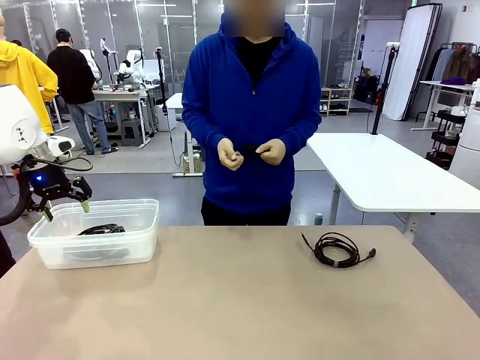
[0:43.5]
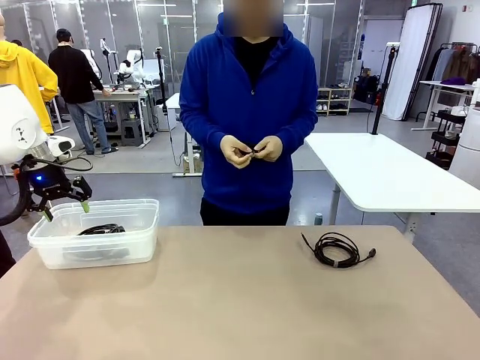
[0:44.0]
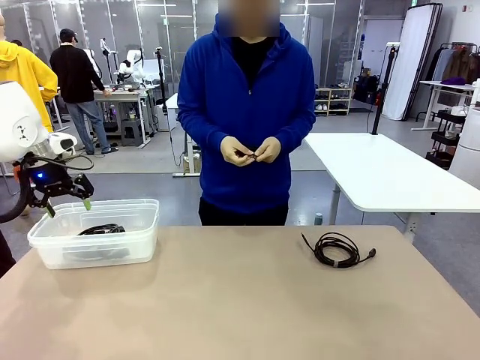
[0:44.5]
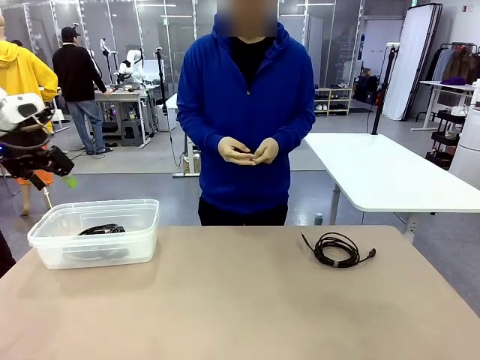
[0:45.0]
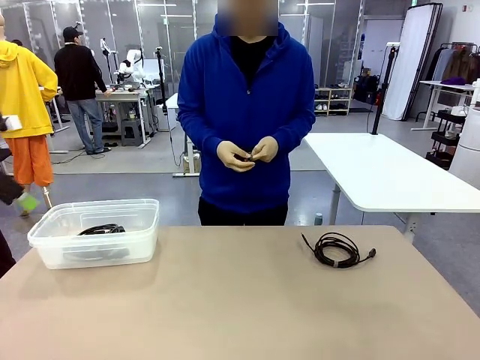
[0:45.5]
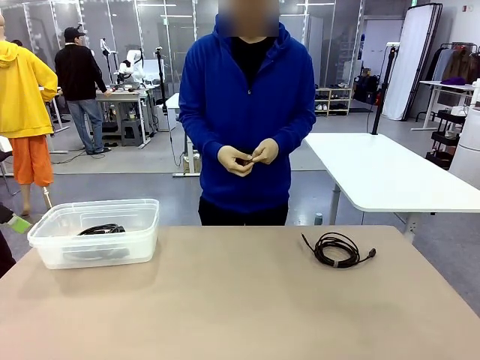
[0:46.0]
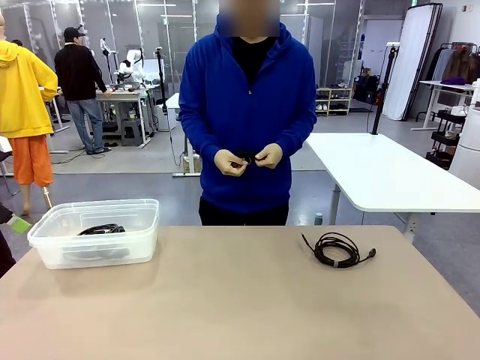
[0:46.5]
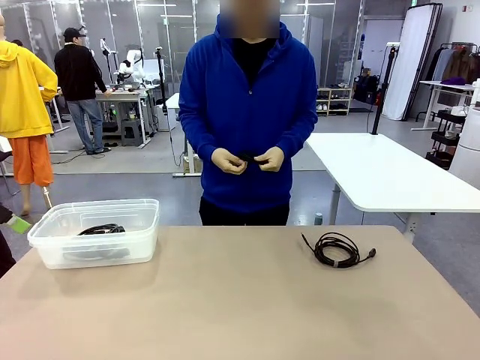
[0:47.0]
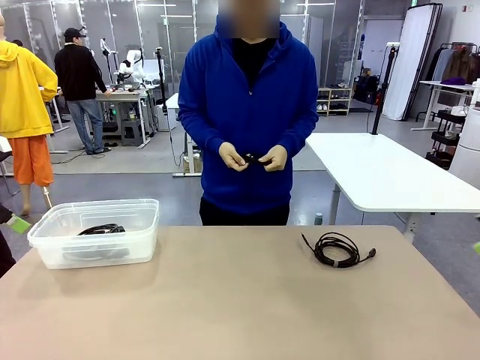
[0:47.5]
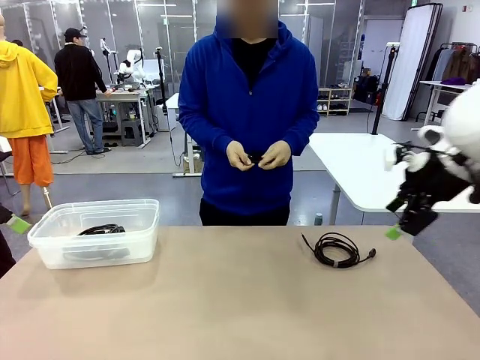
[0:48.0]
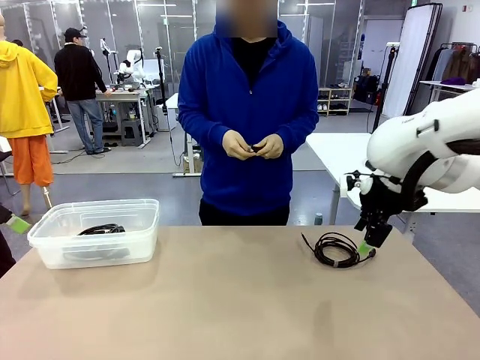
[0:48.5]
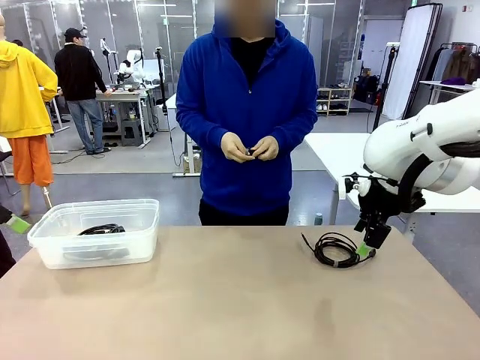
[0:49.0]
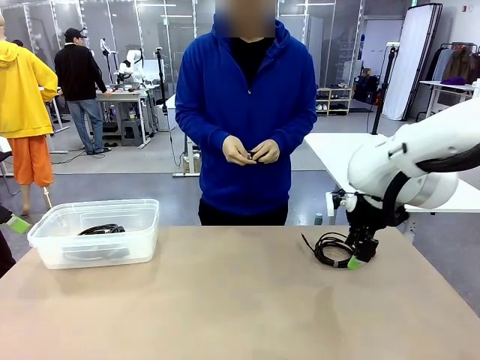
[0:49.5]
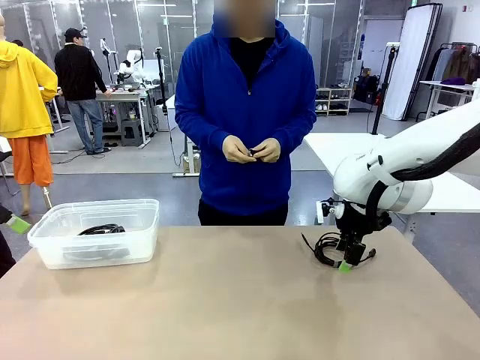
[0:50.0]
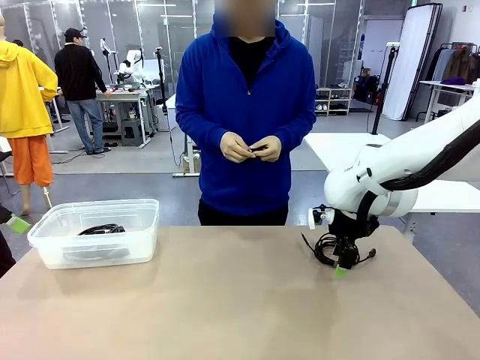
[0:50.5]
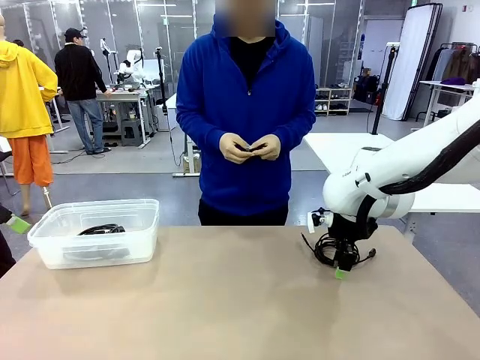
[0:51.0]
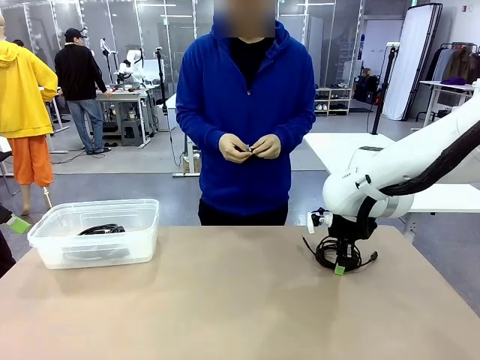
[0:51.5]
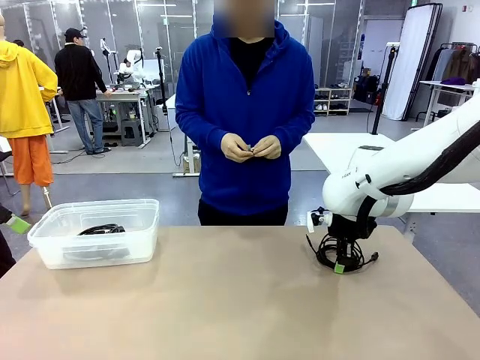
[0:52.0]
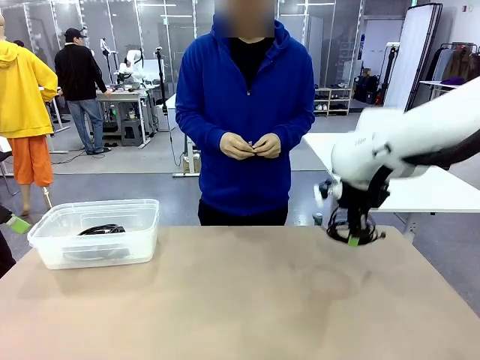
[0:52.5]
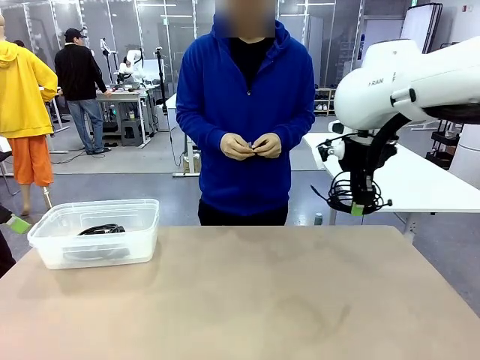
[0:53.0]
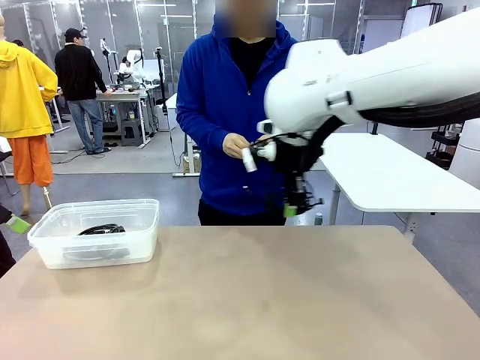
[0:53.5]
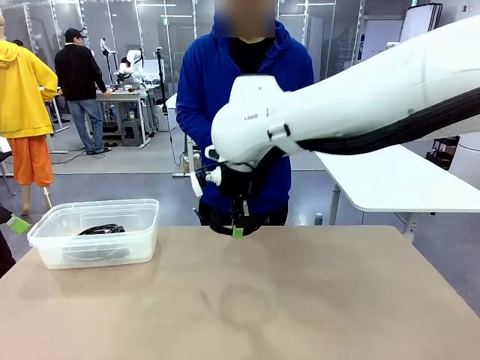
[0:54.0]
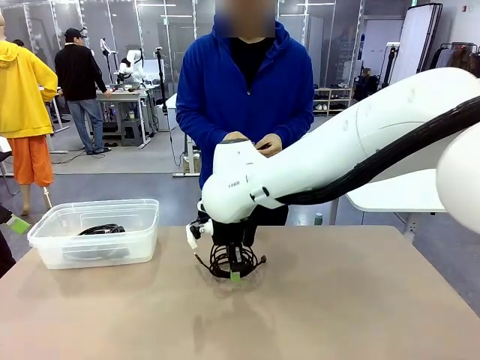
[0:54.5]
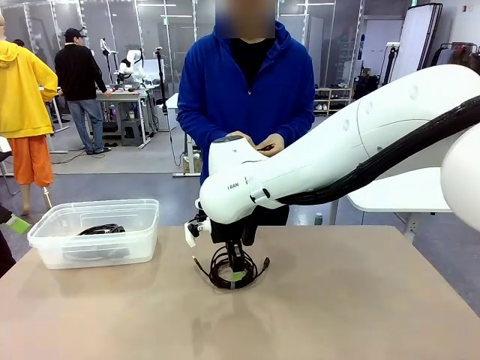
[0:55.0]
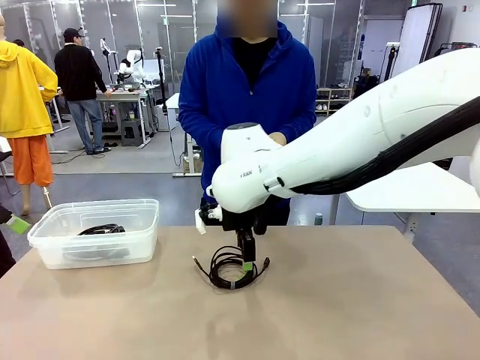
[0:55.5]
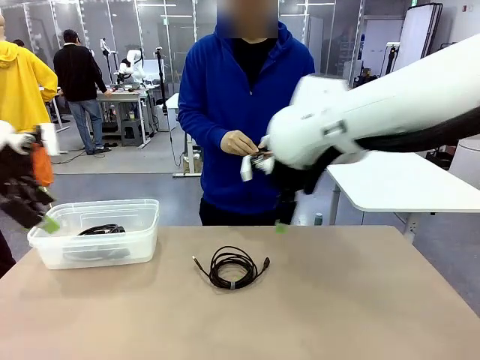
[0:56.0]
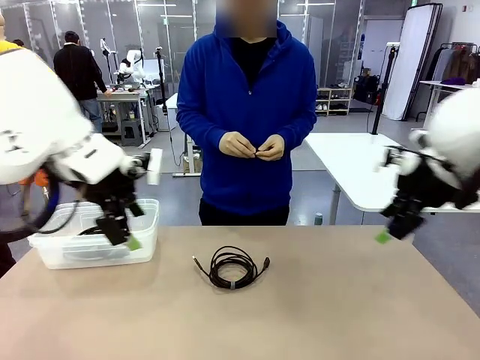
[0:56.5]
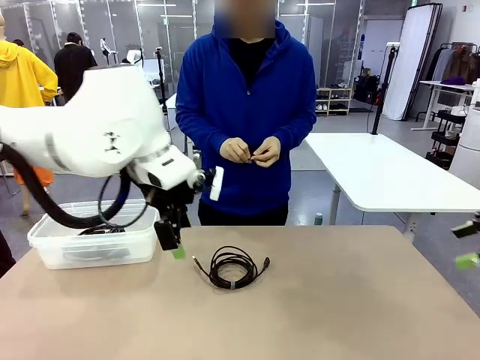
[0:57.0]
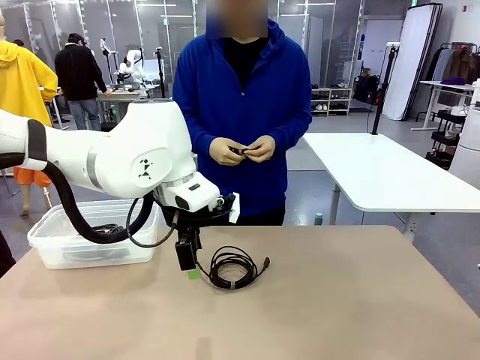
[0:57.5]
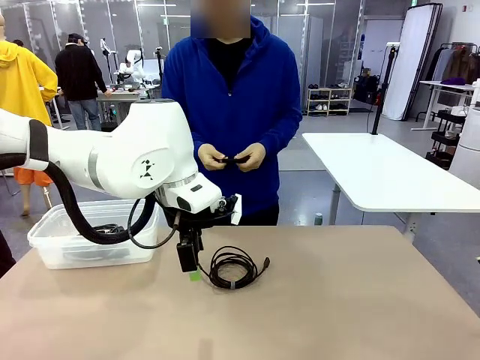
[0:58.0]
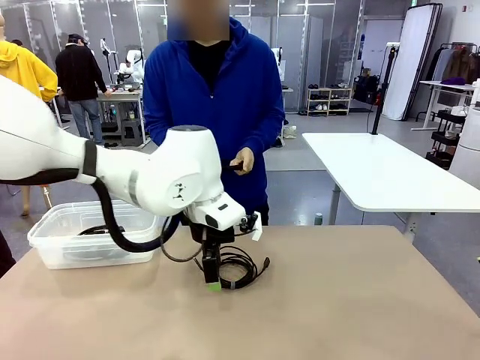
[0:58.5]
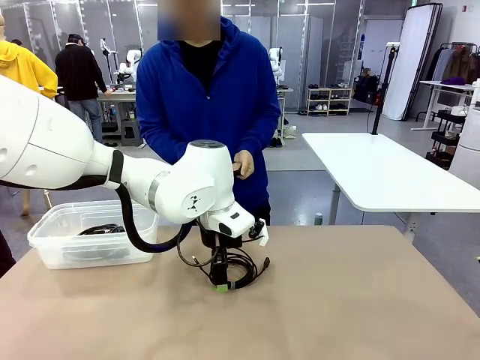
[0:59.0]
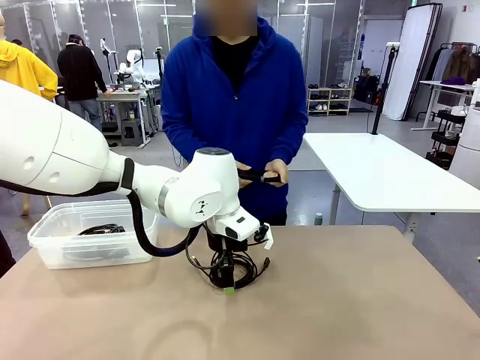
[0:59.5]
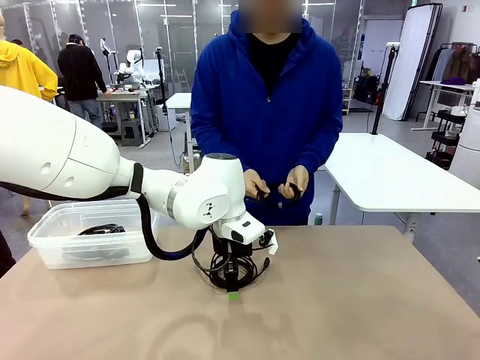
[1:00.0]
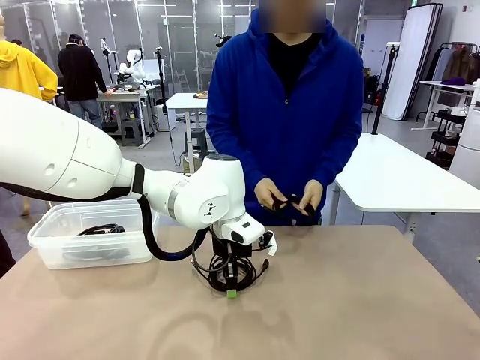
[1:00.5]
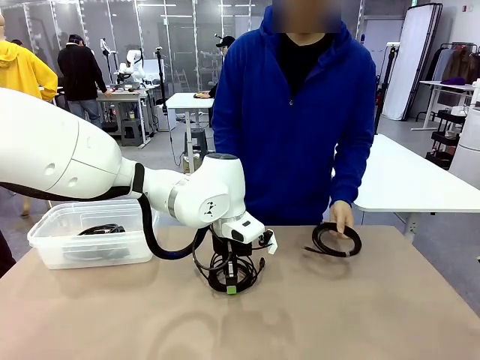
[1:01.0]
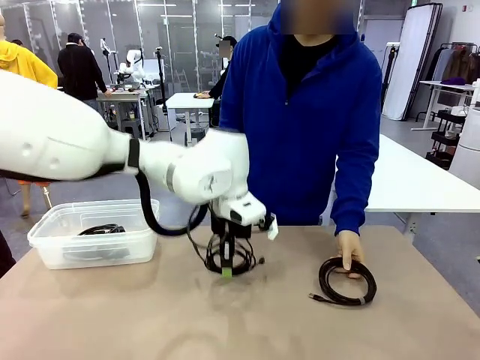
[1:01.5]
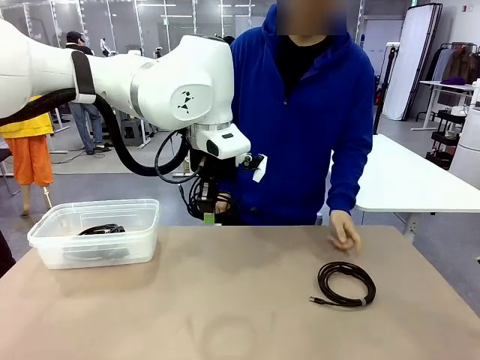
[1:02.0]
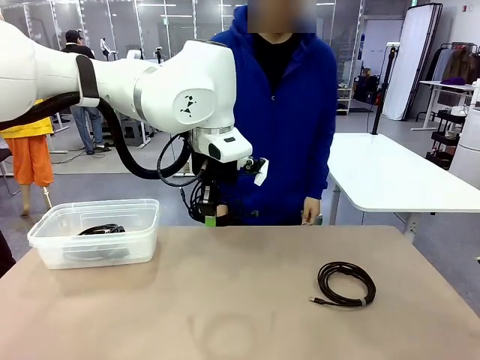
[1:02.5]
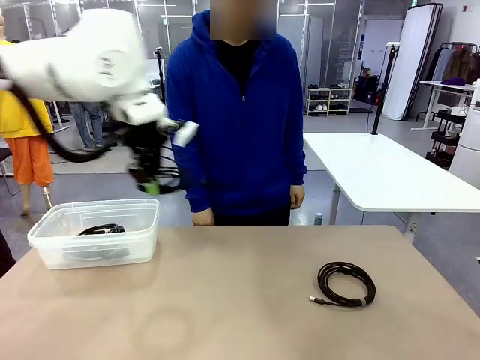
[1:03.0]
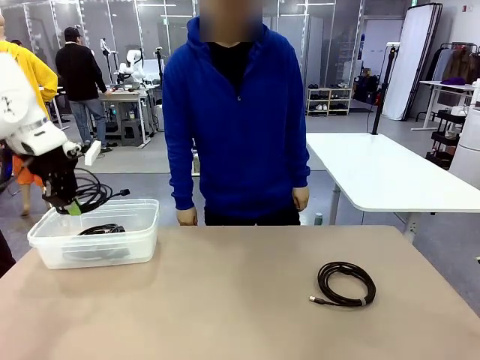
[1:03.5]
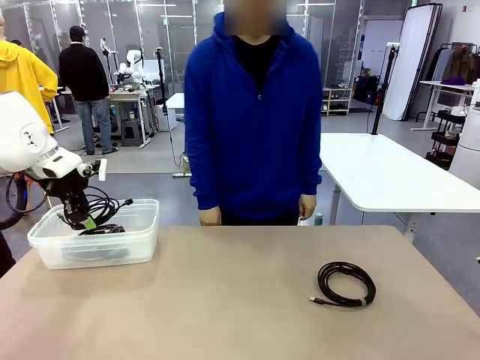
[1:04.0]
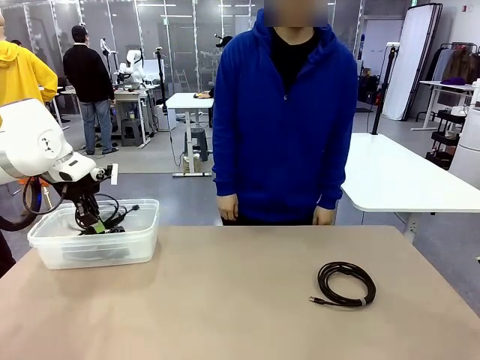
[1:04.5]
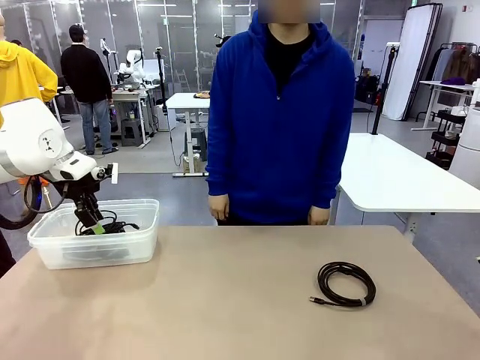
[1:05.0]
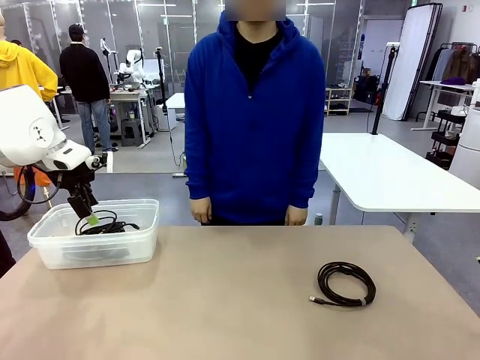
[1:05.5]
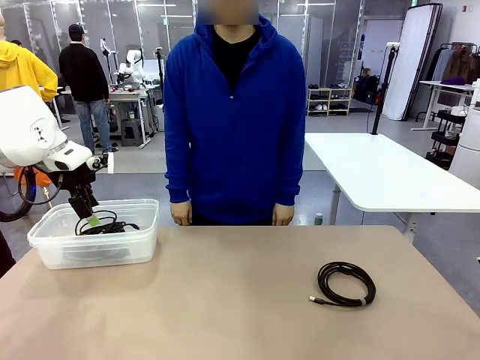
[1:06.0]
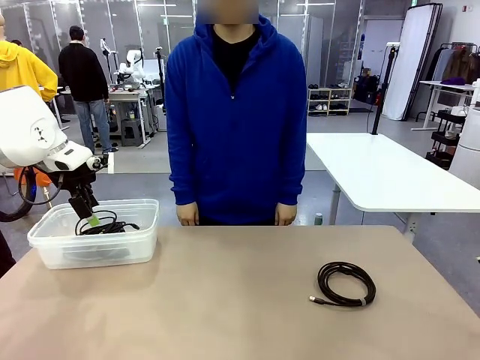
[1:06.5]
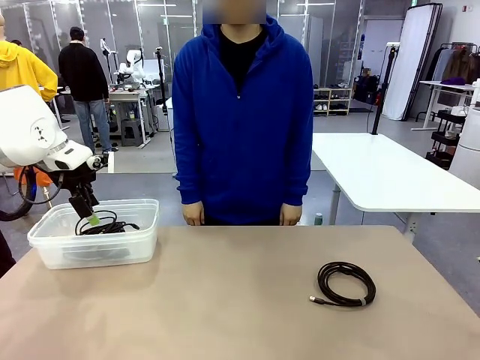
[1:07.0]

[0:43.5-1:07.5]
Task: Organize and store the cables.
Robot: Place the USB Extension Cable into the Organizing box.

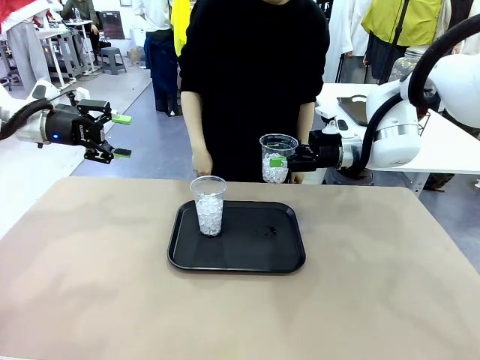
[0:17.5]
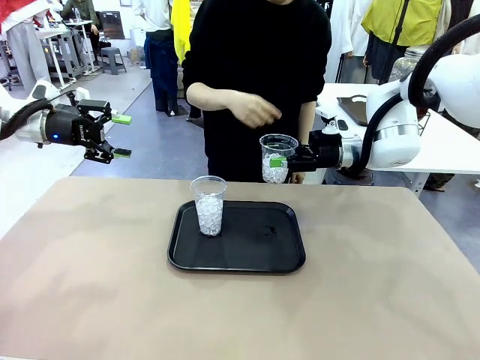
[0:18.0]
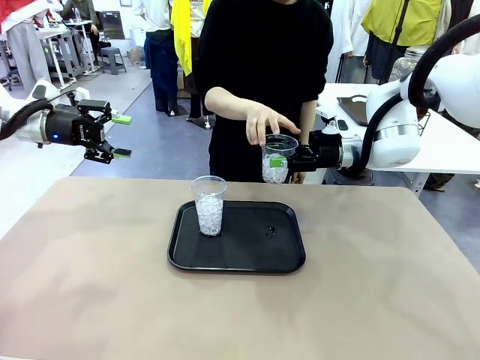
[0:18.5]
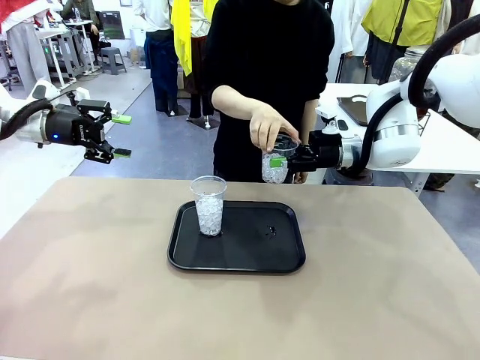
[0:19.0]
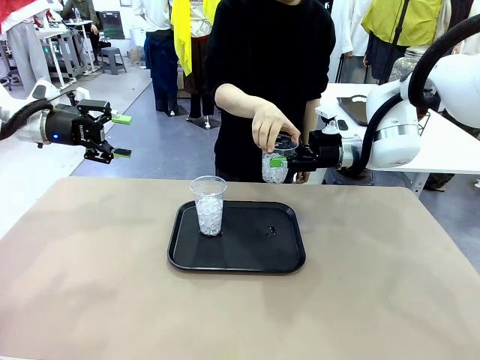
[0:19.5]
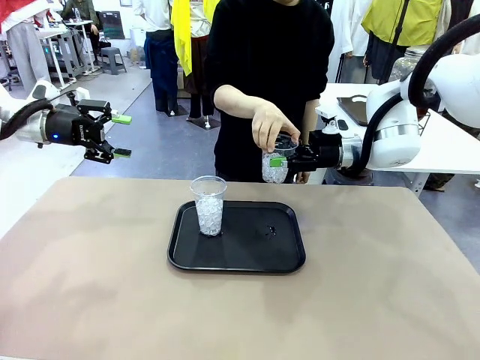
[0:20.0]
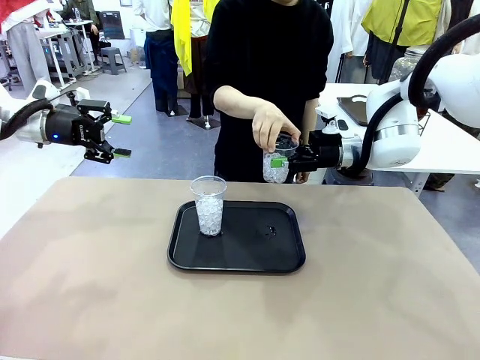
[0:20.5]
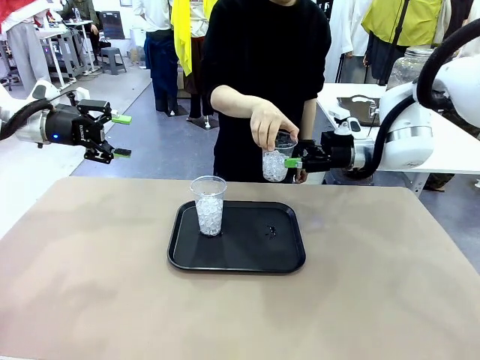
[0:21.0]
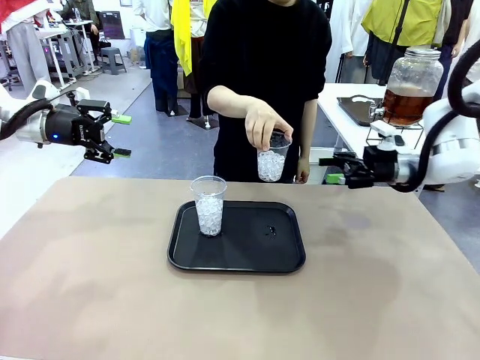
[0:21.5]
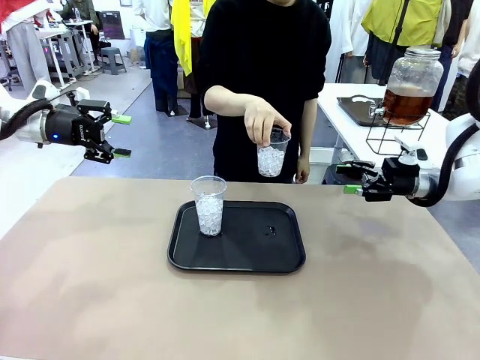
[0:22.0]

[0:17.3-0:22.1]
Task: Pour the drink into the iced cup.
Robot: Open the gripper to release the iced cup you were holding.
